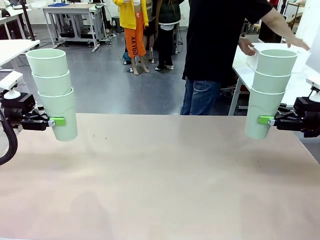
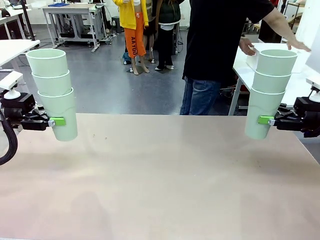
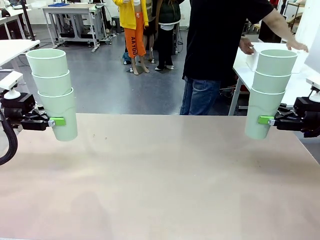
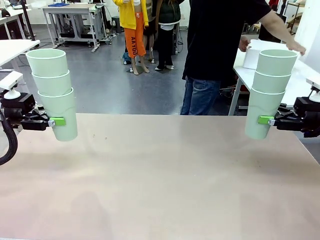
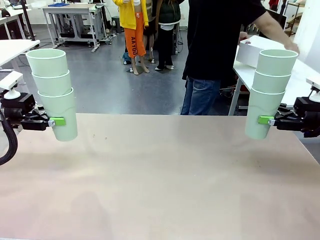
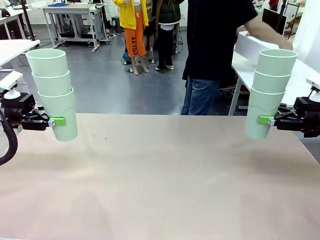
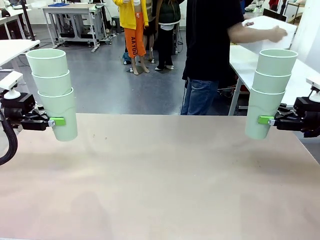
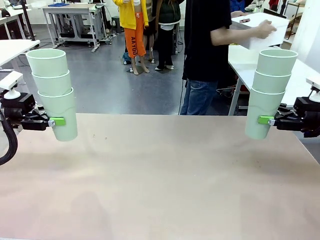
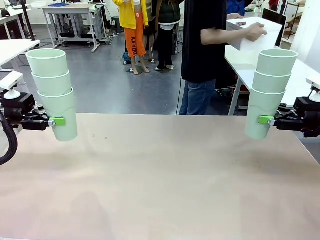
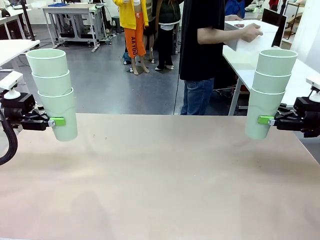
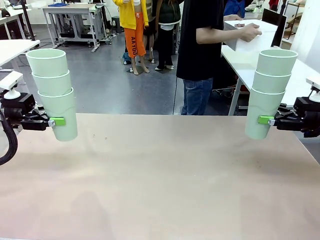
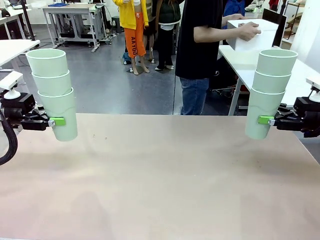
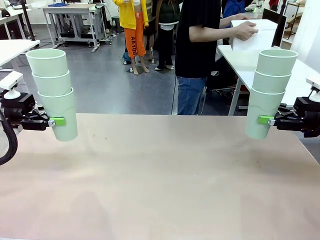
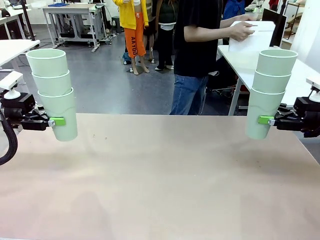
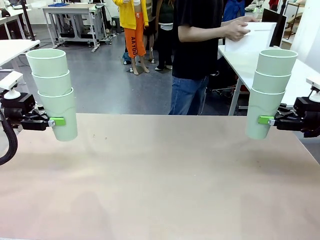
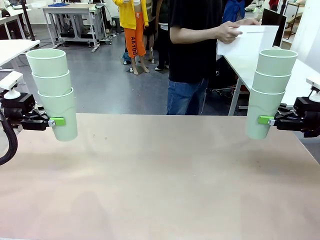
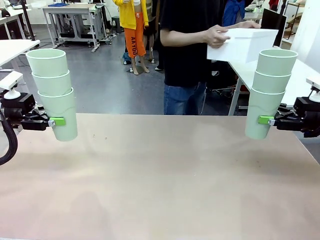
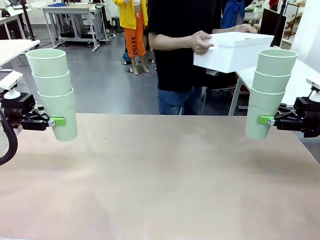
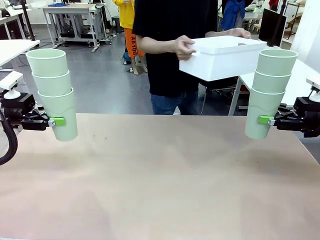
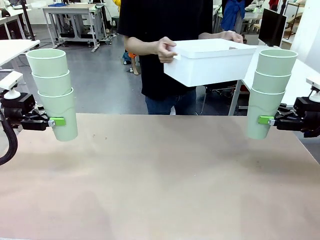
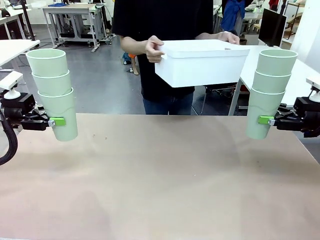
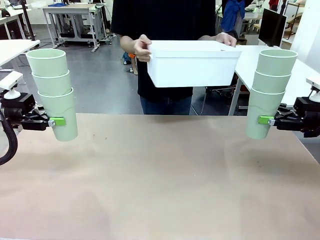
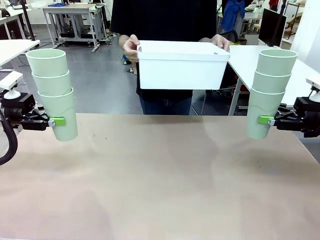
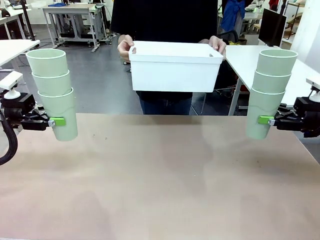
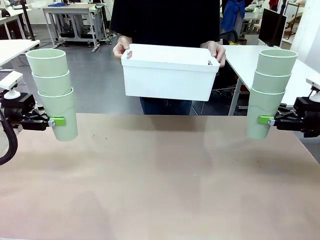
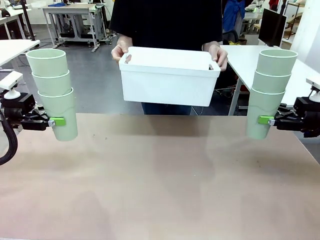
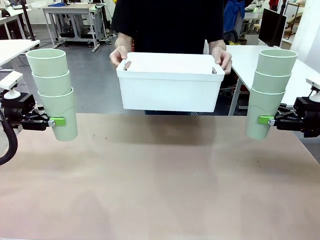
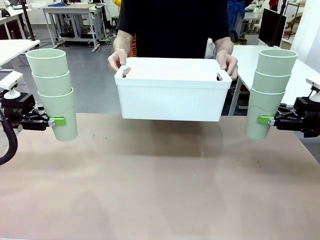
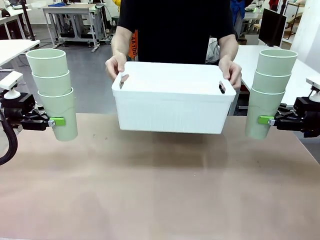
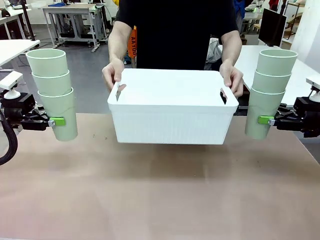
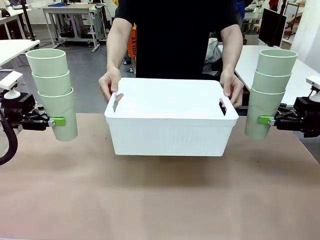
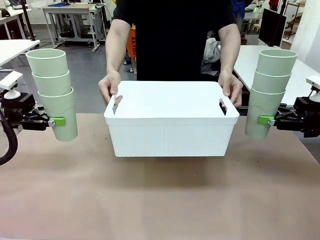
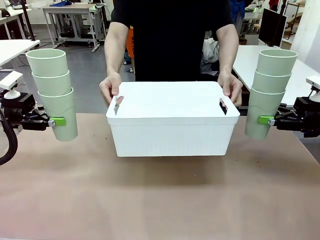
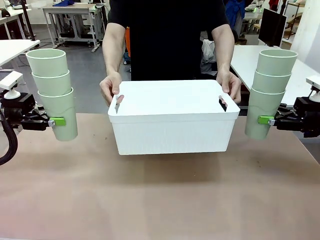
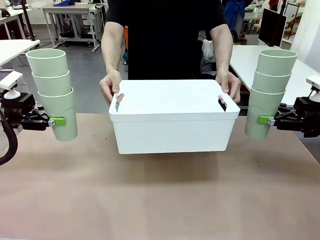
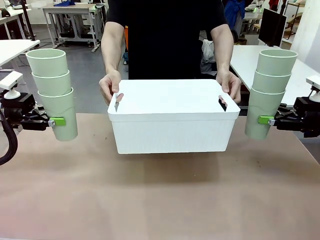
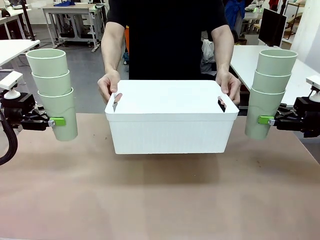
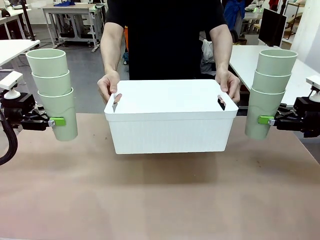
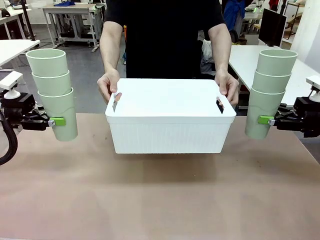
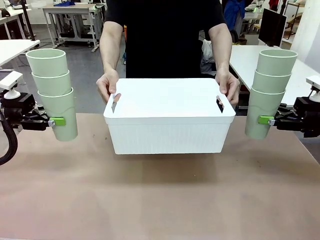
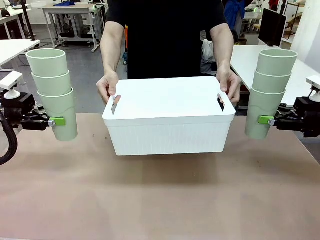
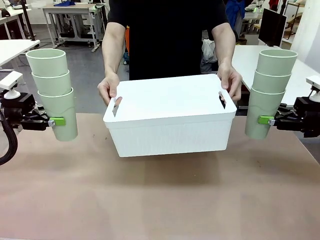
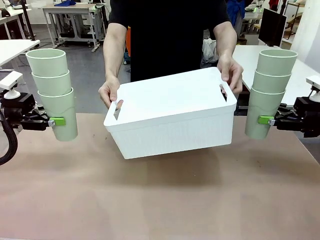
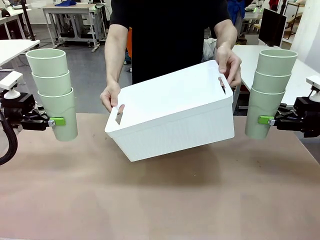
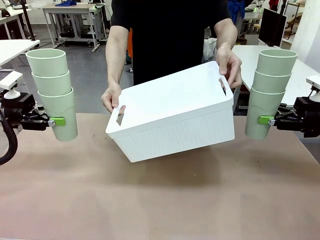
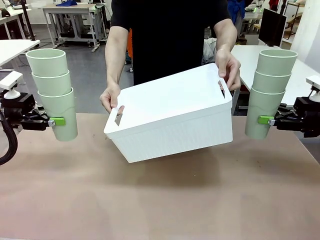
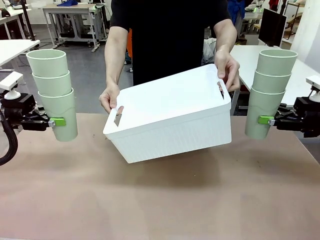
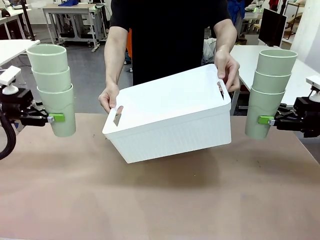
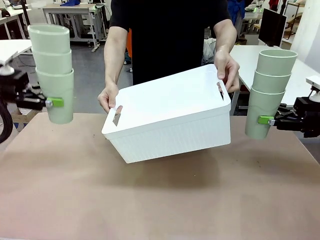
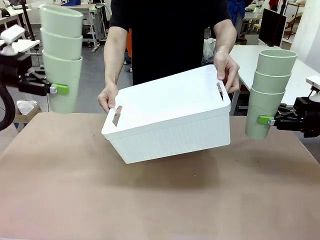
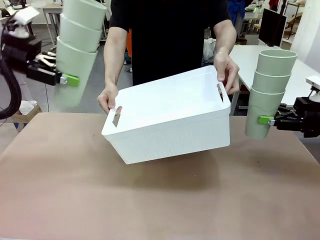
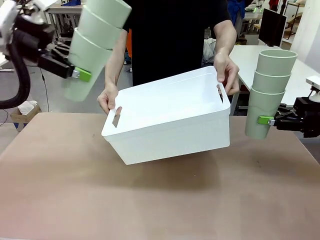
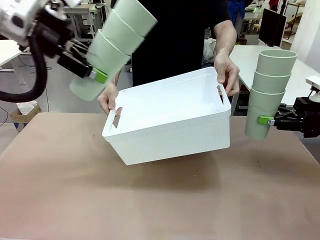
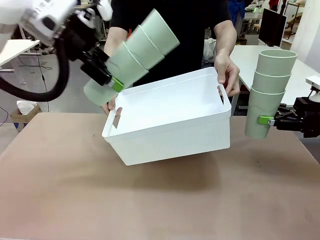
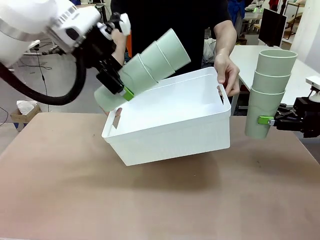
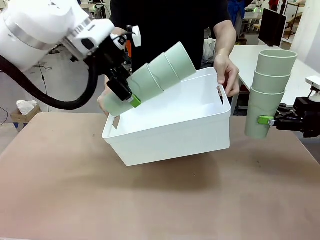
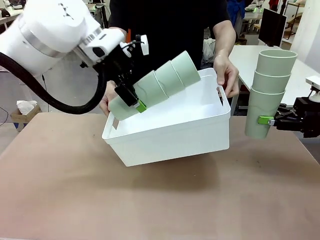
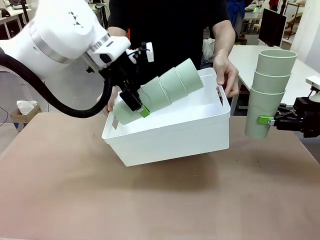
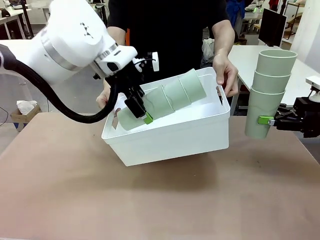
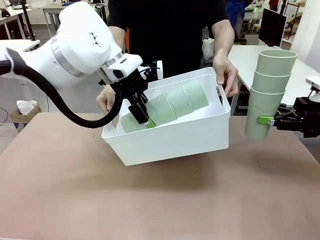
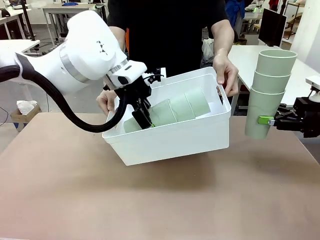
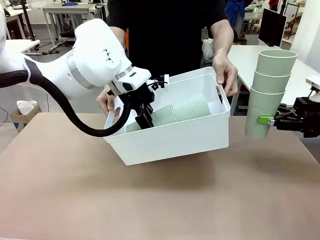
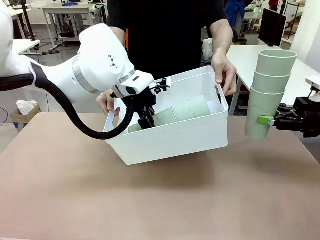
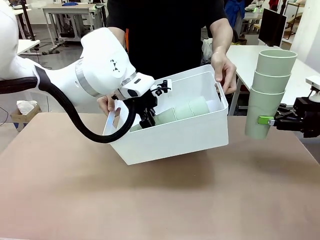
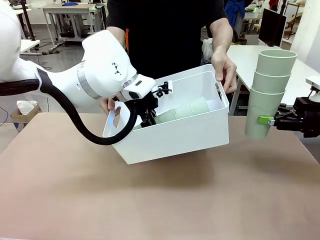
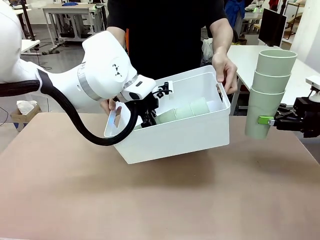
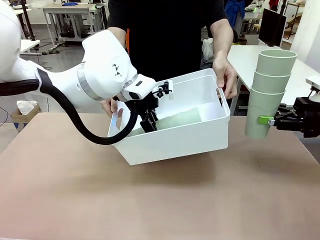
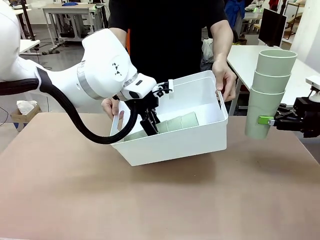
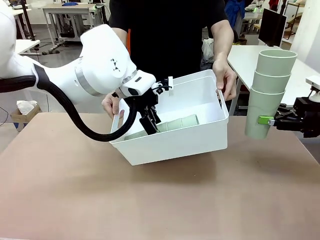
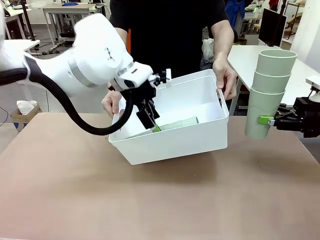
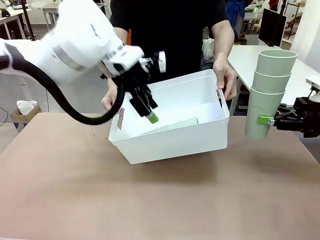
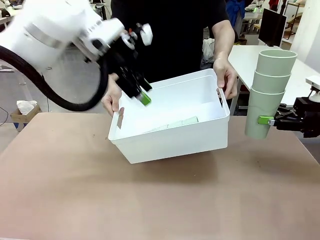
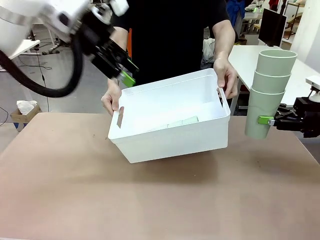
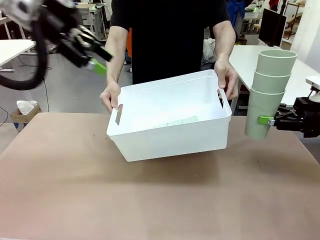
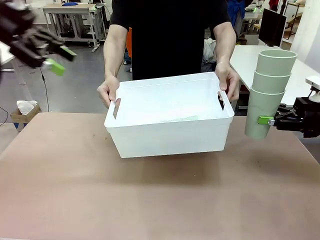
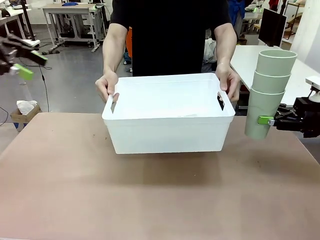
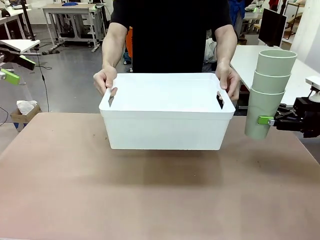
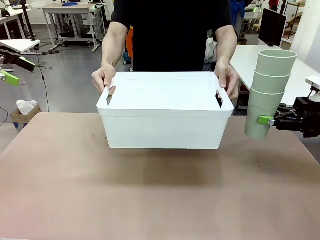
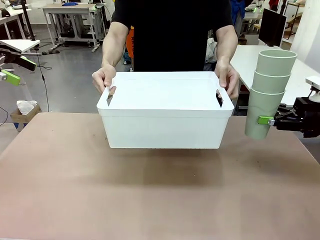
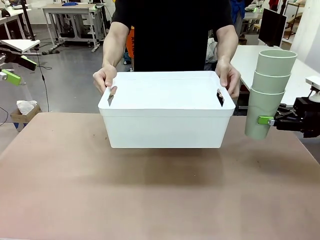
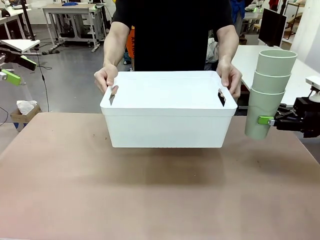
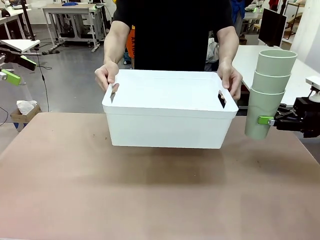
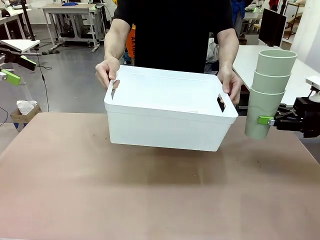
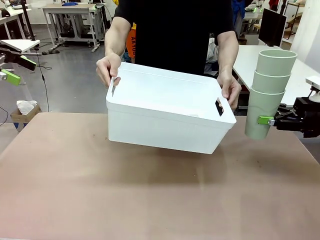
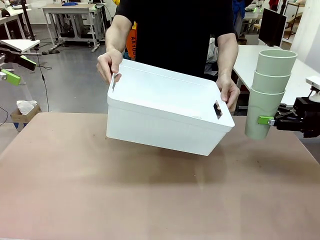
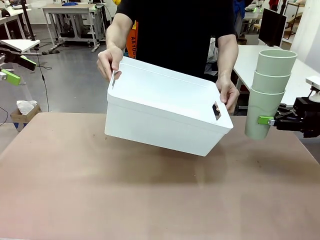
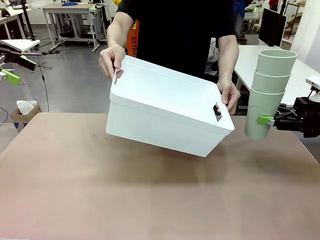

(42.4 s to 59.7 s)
Task: Stack the cups and store them in the basket.
Robot: Place the stack of Reusable plastic cups into the Pantry Basket.
Person: Pick up the basket from the Human Table, bring it to the front of the robot, and present it.
